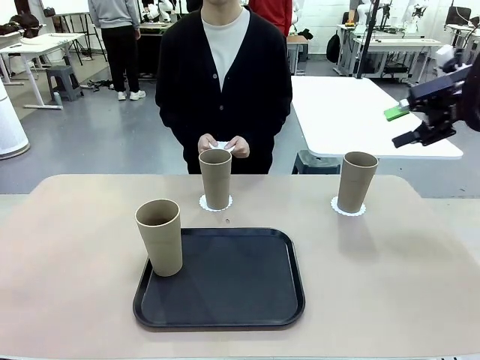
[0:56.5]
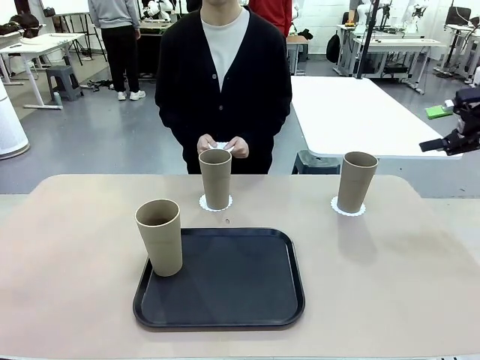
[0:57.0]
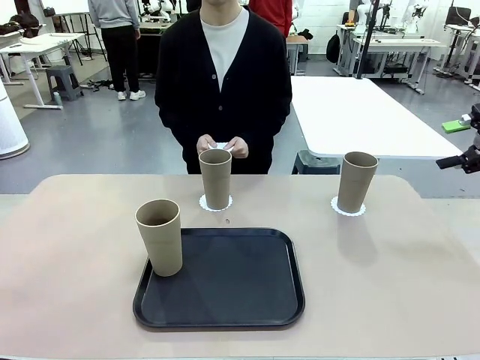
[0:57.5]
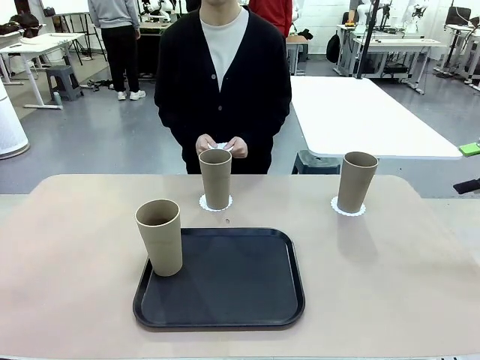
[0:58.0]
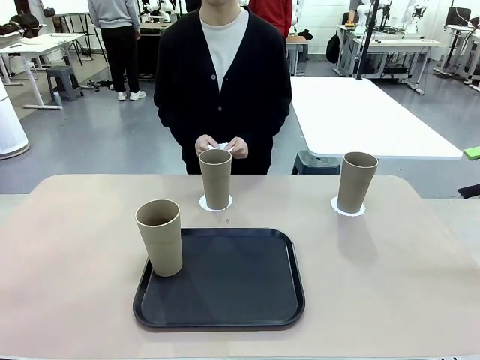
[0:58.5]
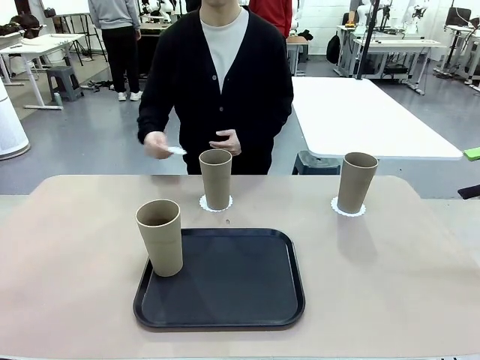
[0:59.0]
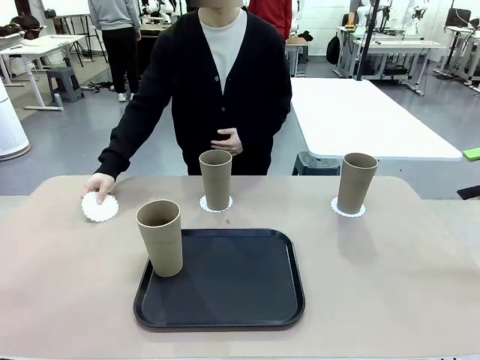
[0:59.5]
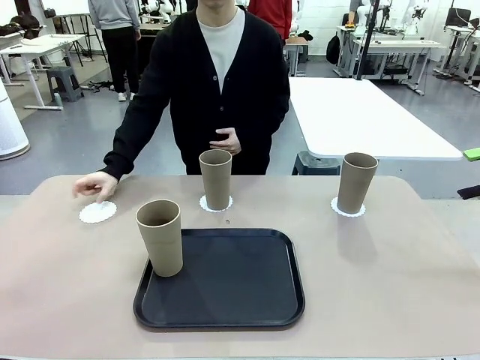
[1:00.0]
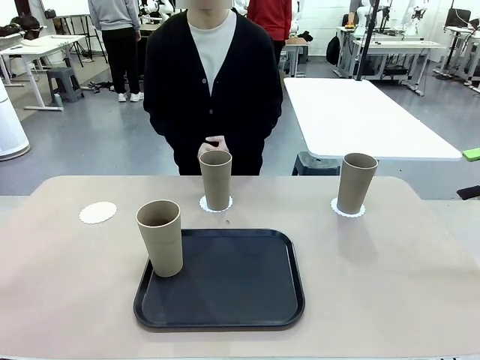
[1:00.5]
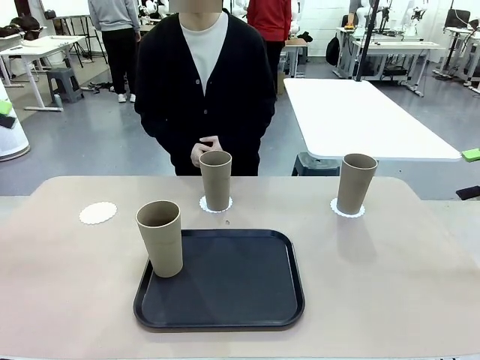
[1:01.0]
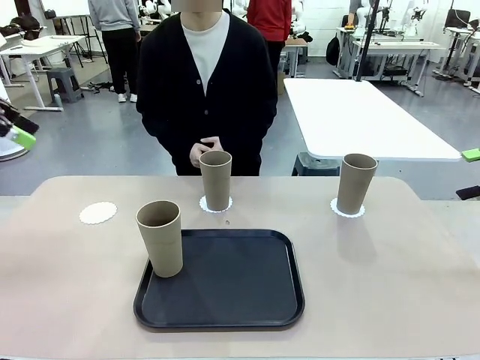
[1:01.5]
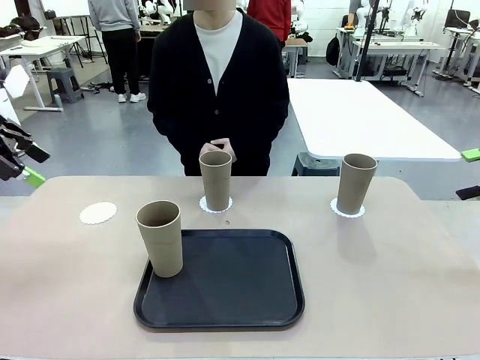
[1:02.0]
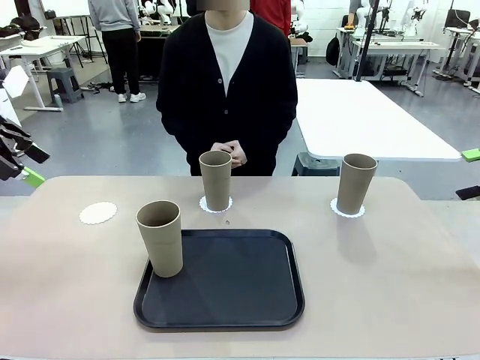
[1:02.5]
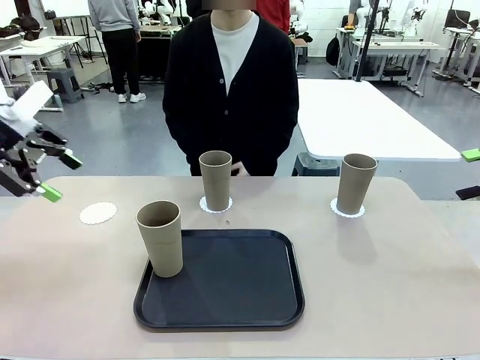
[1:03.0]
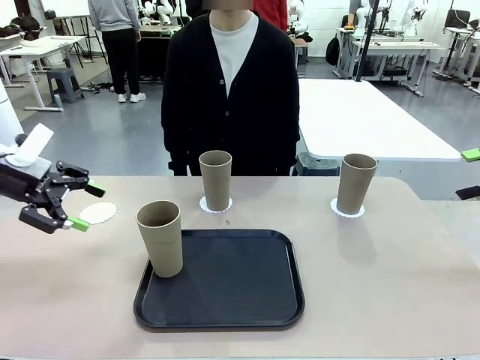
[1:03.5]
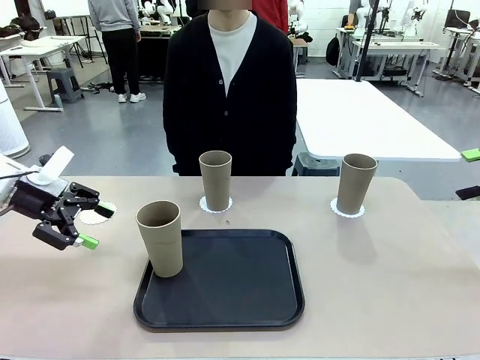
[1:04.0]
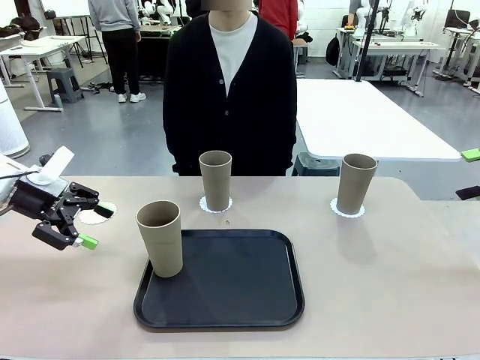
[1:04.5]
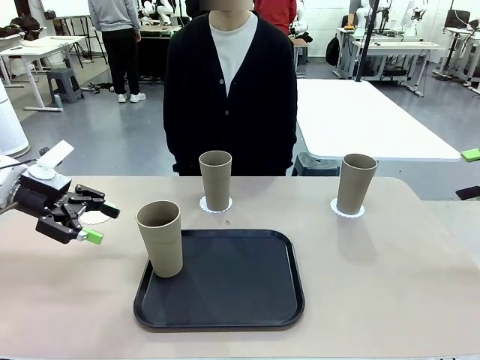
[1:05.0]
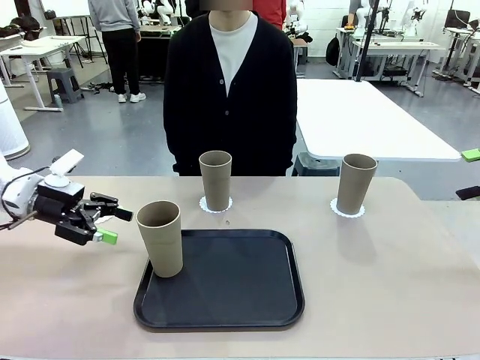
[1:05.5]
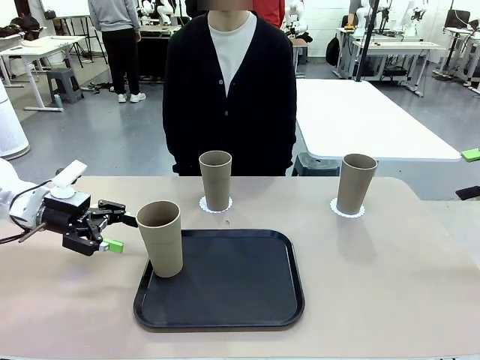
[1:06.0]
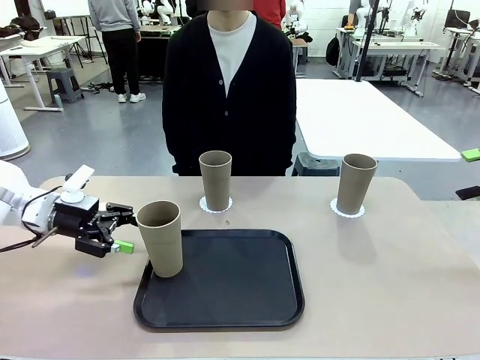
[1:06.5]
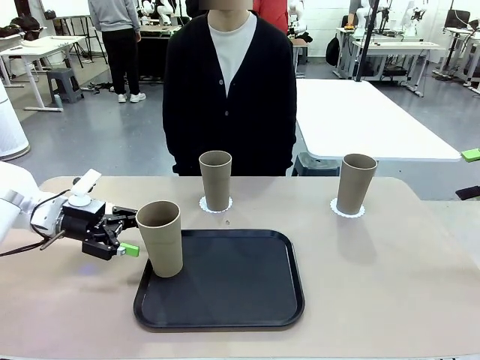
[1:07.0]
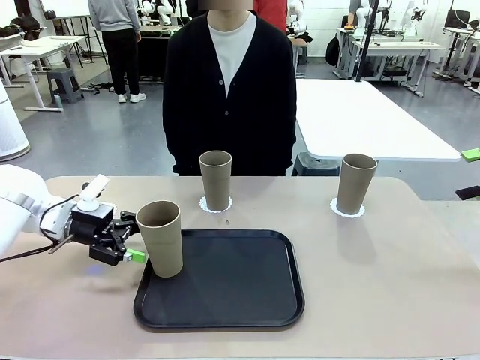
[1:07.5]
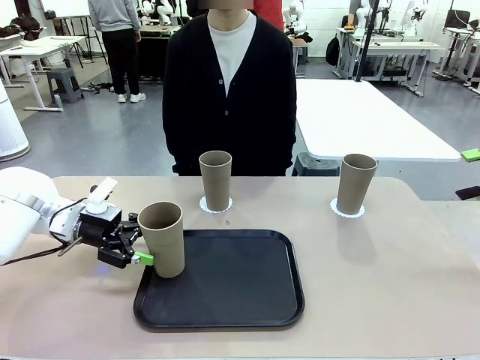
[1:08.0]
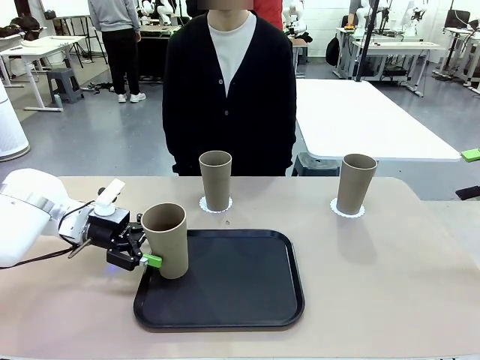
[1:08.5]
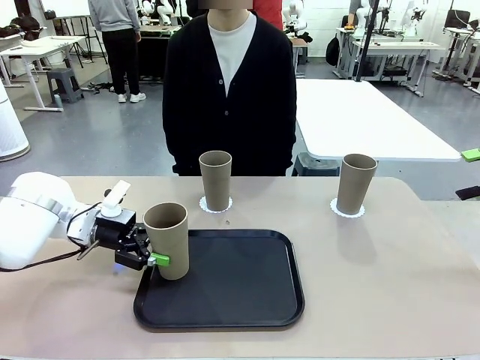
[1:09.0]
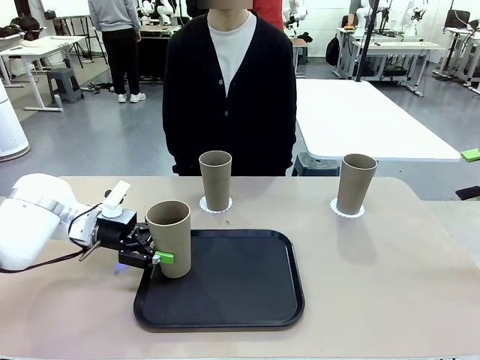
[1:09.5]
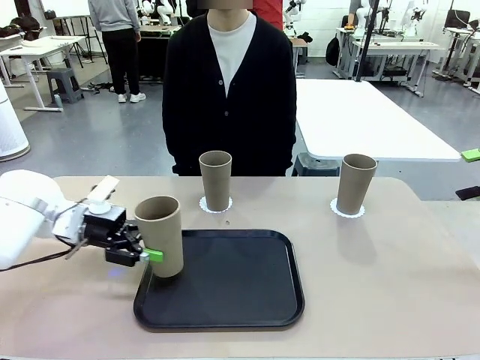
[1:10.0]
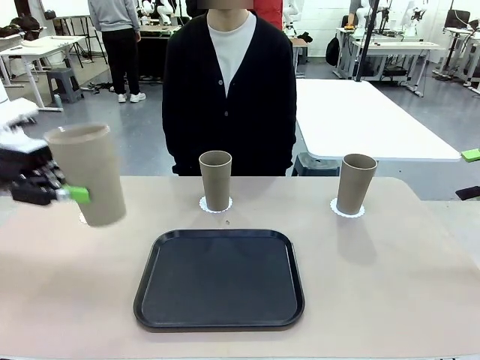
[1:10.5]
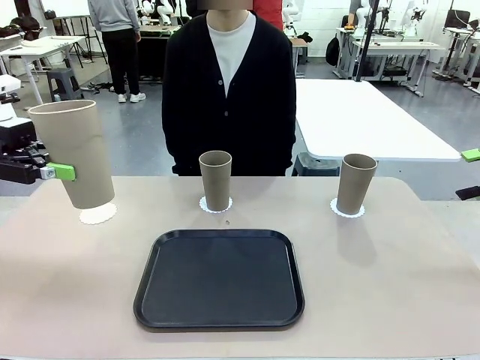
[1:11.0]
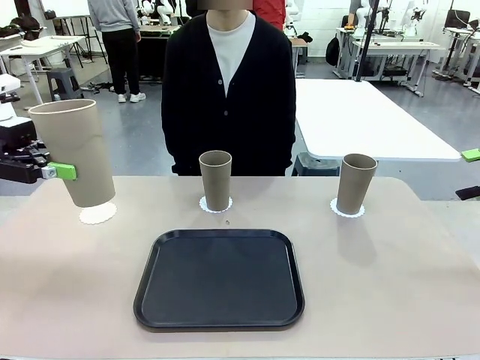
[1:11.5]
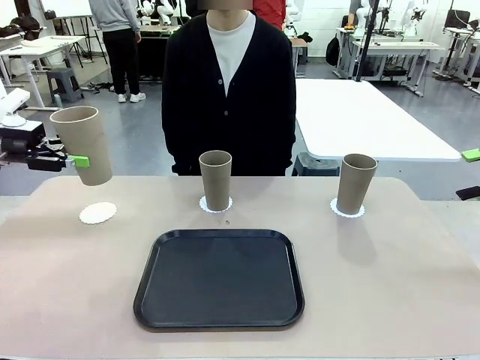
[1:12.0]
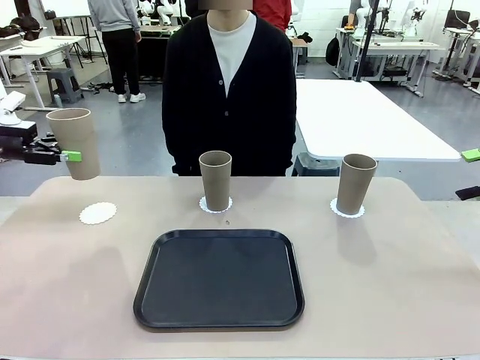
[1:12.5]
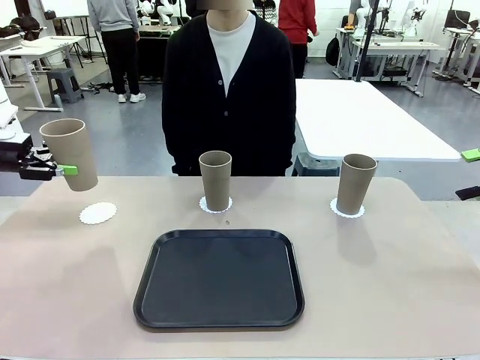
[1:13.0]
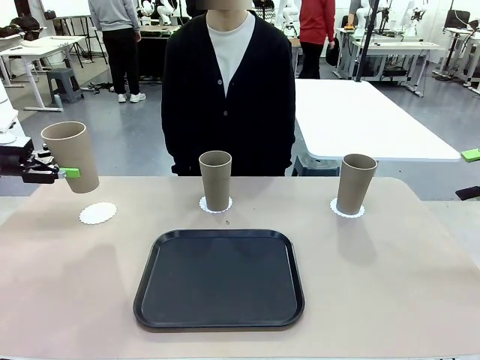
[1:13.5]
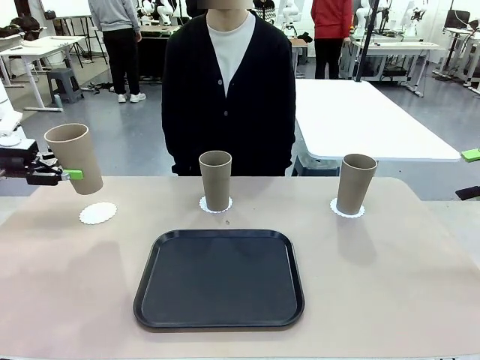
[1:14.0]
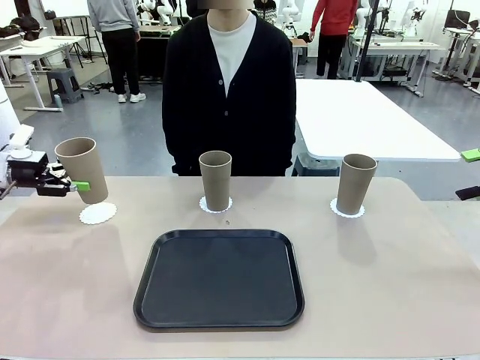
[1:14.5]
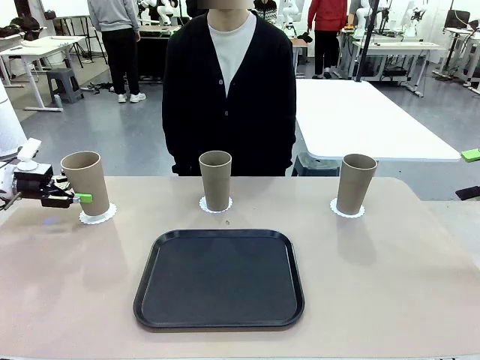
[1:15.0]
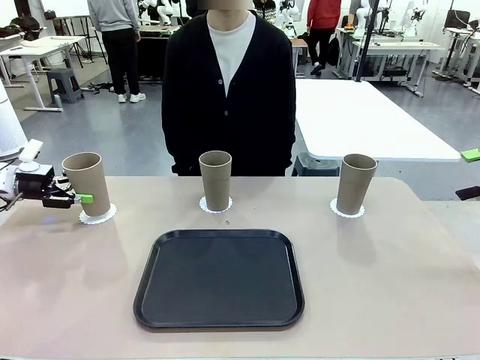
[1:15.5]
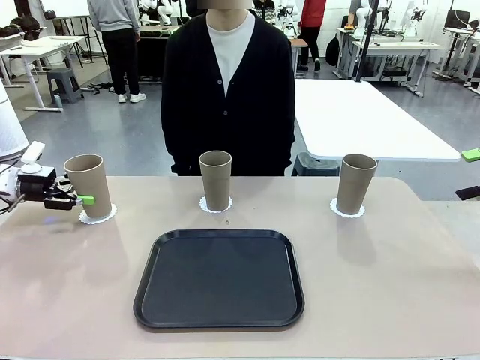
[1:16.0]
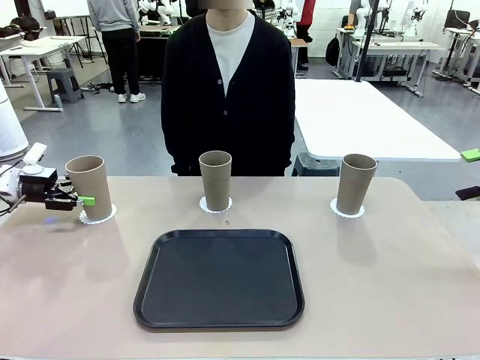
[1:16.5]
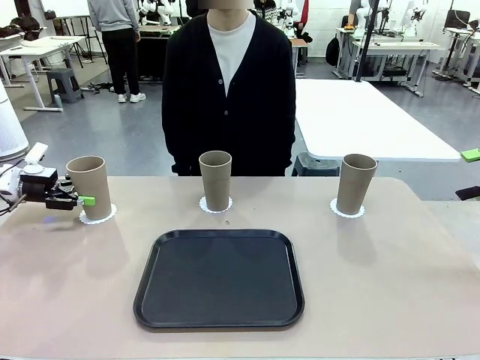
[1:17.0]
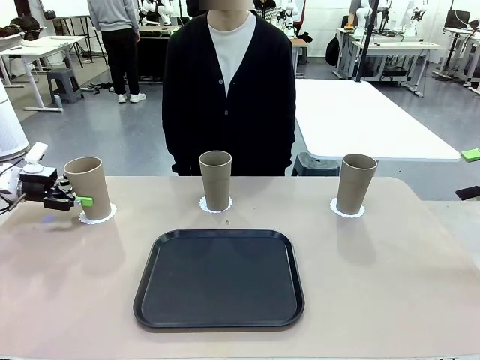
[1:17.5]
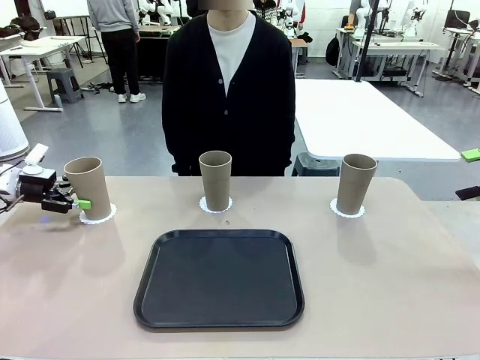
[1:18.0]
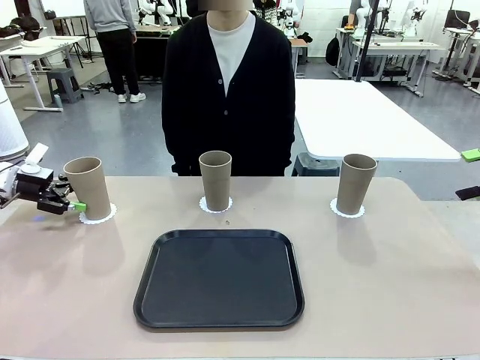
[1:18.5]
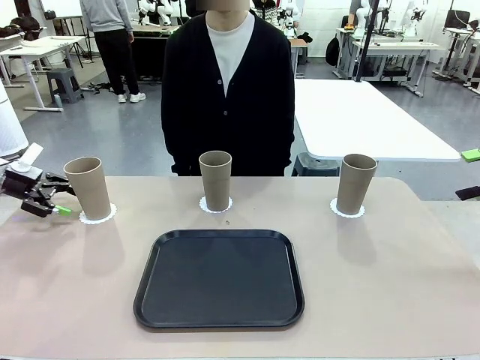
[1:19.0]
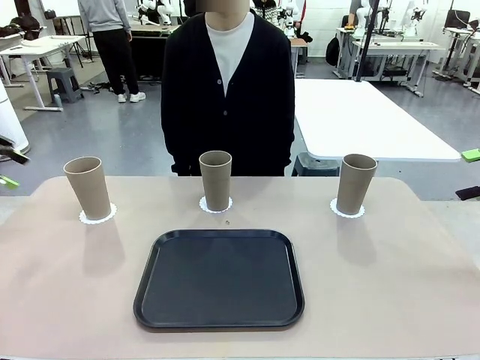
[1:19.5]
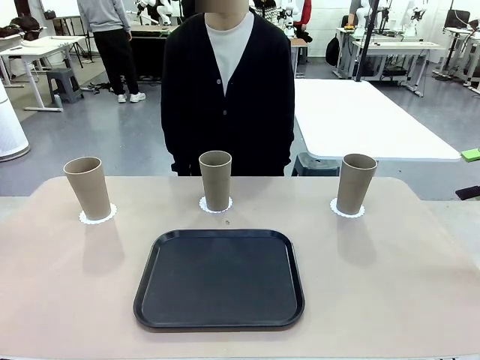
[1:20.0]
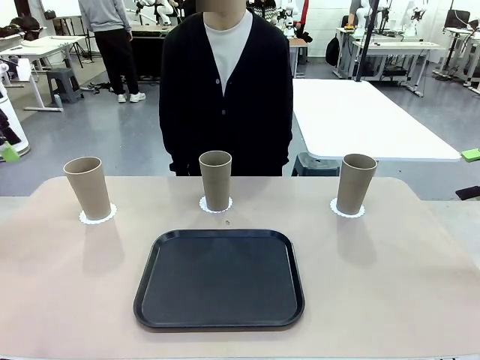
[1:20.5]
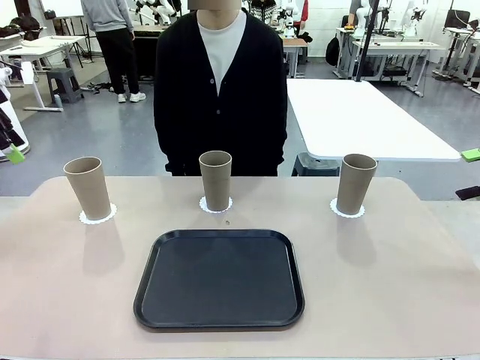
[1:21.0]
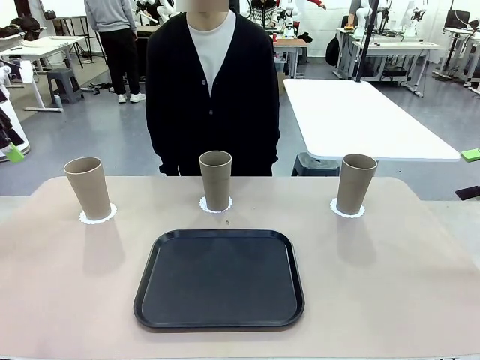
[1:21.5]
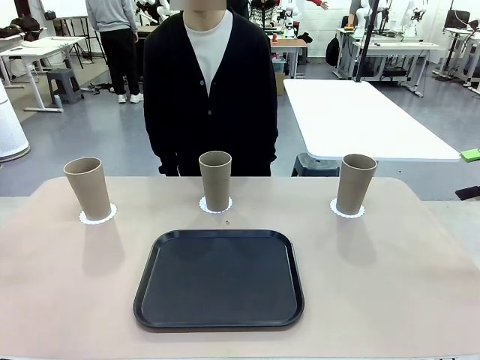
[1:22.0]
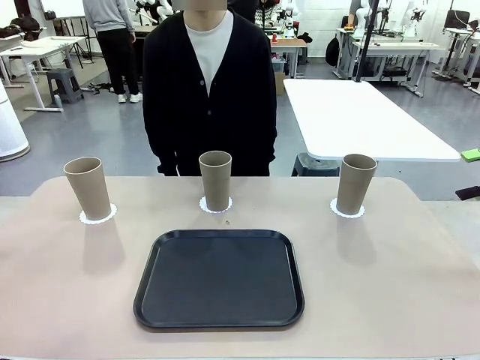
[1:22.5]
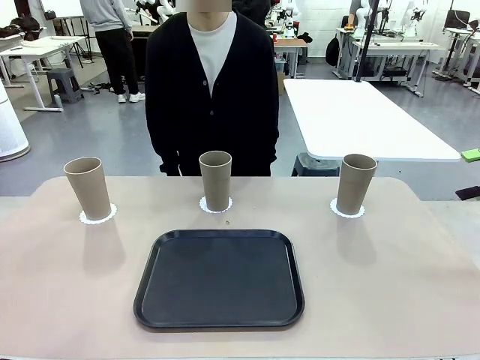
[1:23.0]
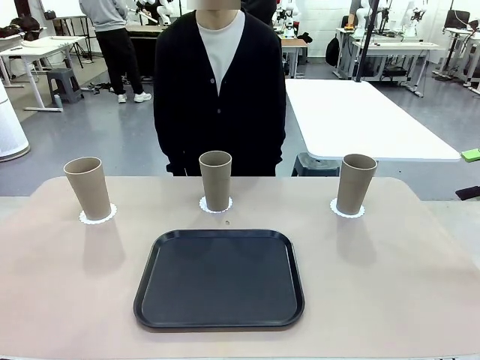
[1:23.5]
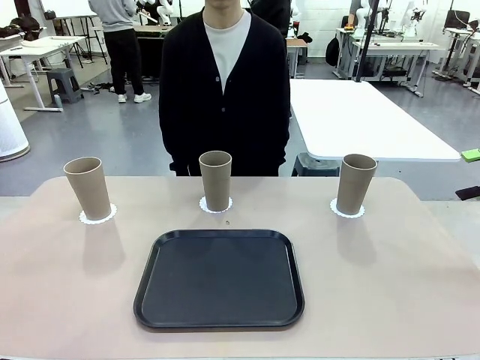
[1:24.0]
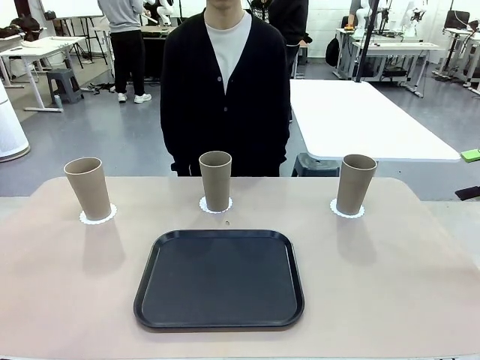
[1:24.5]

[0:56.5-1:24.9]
Task: Place coasters on the table and set cups on them.
Robot: Take one Reusable plastic cup from the Flat Tray and place it on a coaster set by the human.
Person: Place one coaster in the only remaining area.
